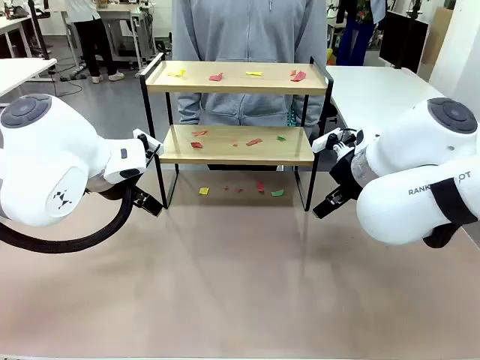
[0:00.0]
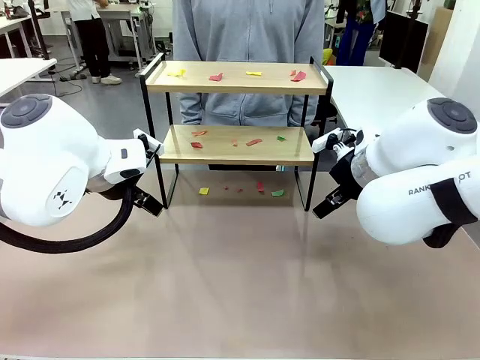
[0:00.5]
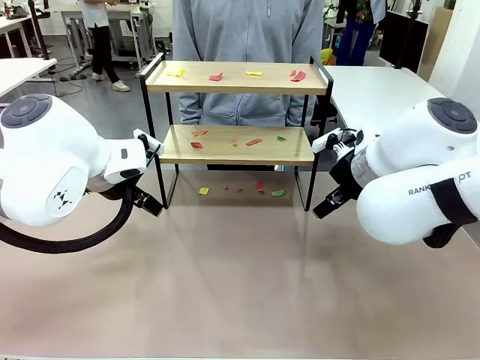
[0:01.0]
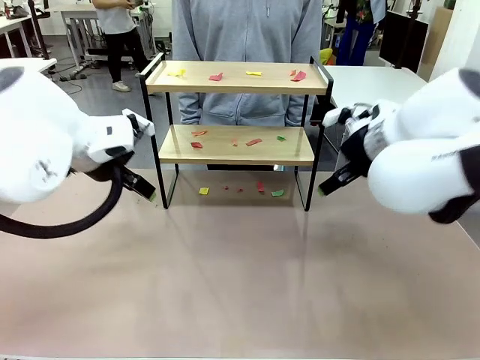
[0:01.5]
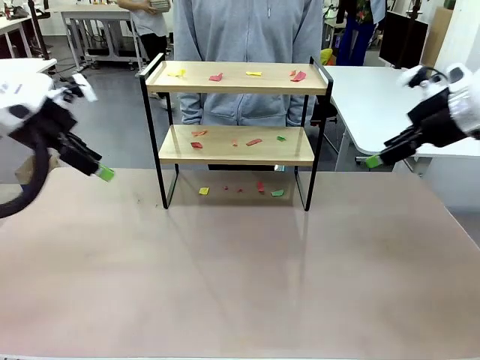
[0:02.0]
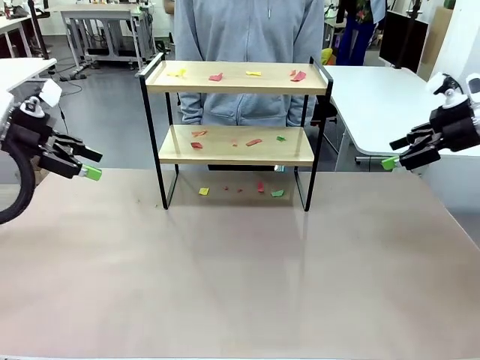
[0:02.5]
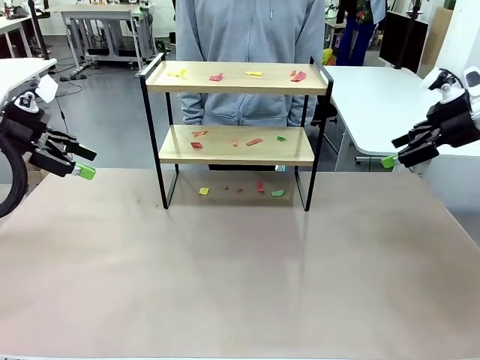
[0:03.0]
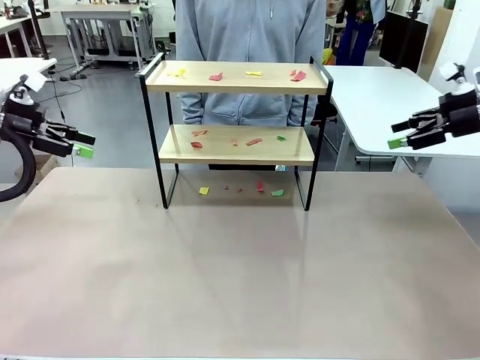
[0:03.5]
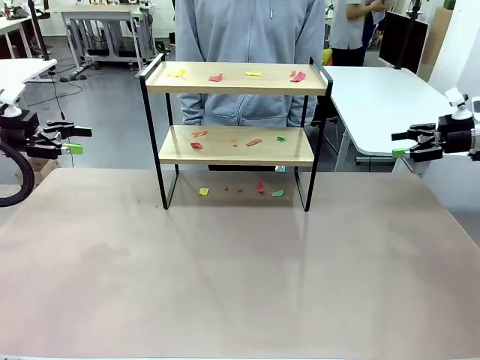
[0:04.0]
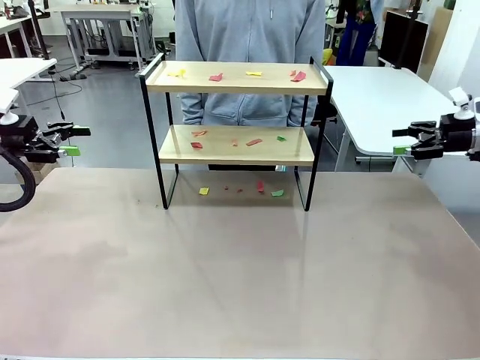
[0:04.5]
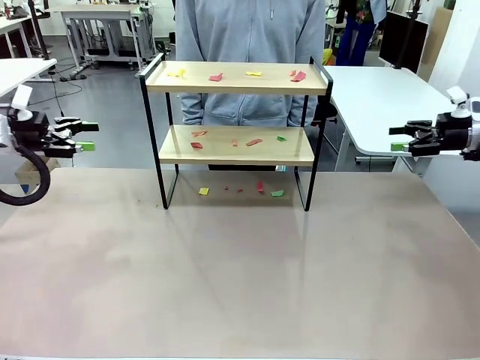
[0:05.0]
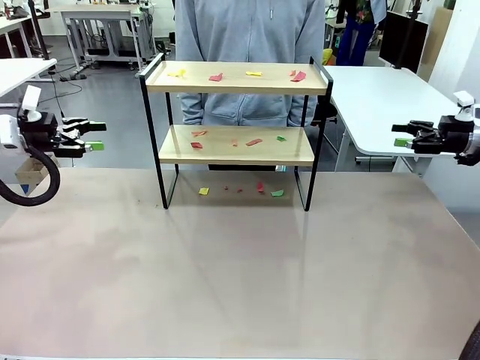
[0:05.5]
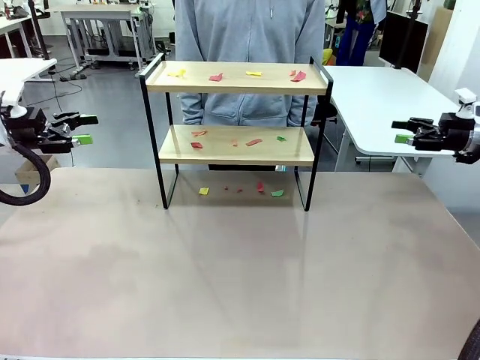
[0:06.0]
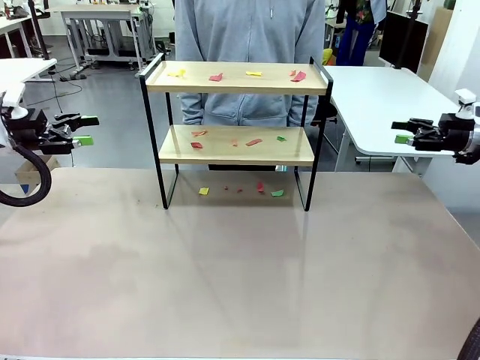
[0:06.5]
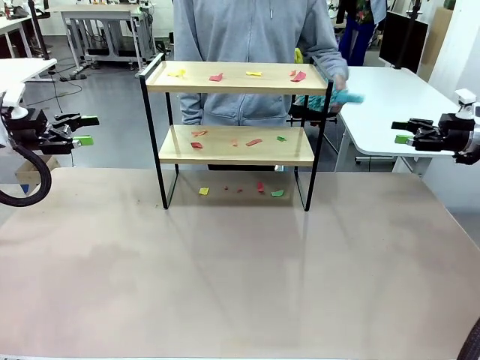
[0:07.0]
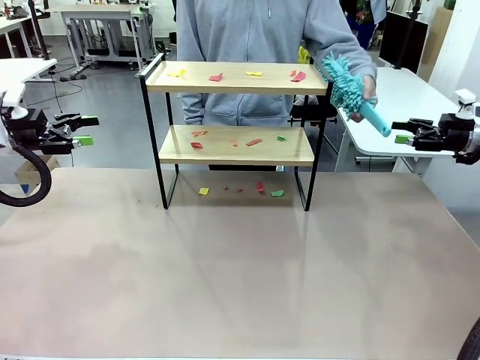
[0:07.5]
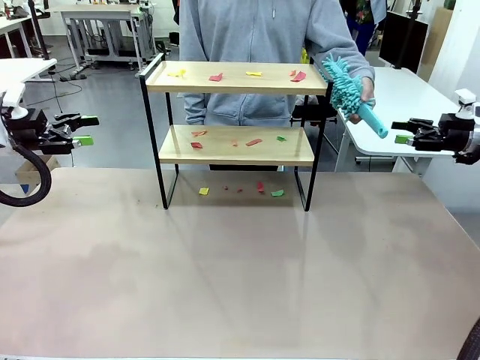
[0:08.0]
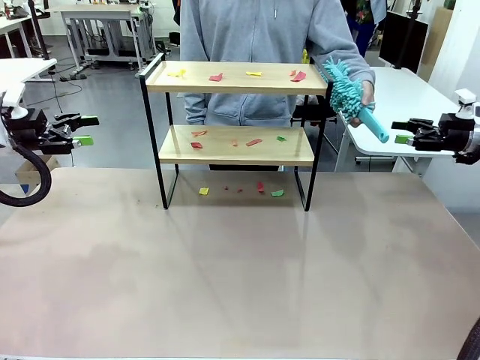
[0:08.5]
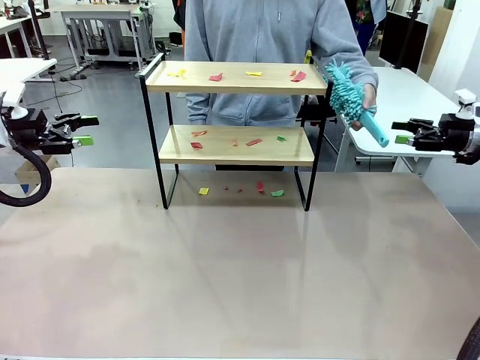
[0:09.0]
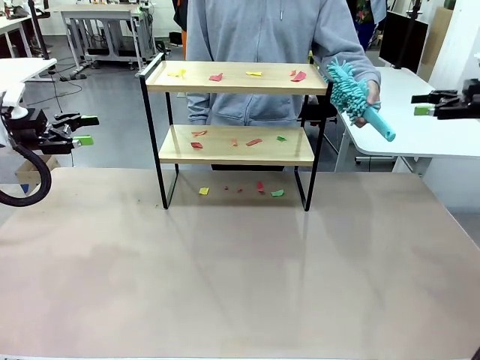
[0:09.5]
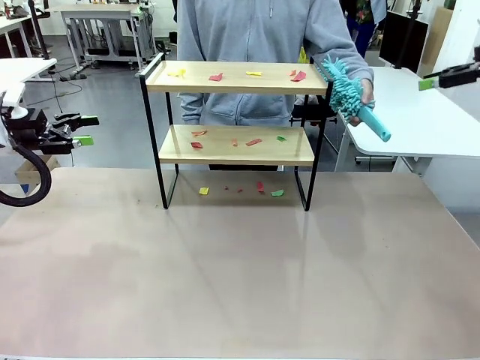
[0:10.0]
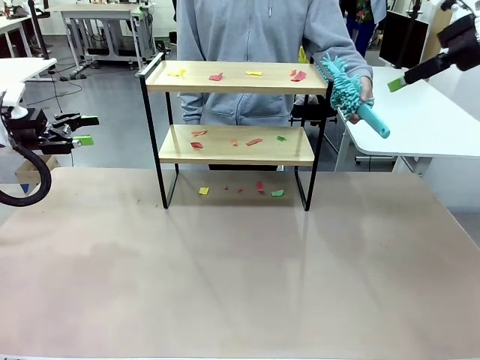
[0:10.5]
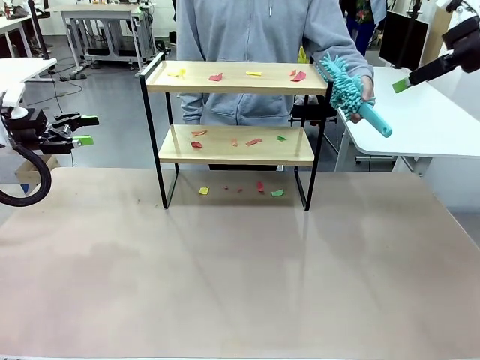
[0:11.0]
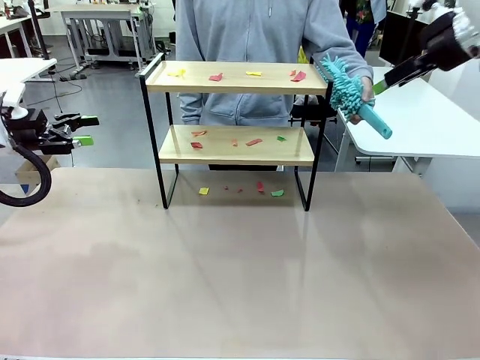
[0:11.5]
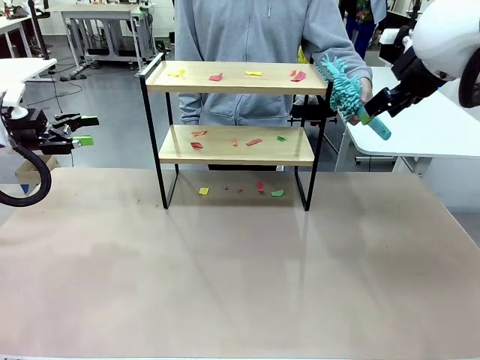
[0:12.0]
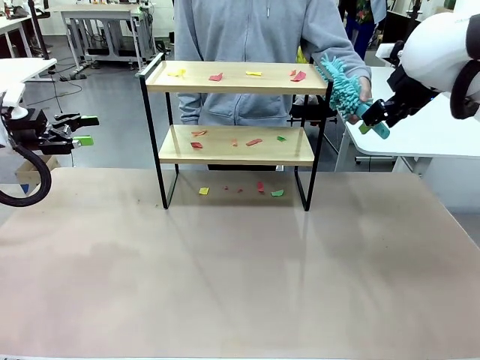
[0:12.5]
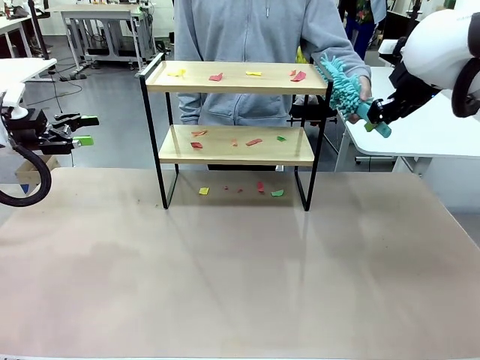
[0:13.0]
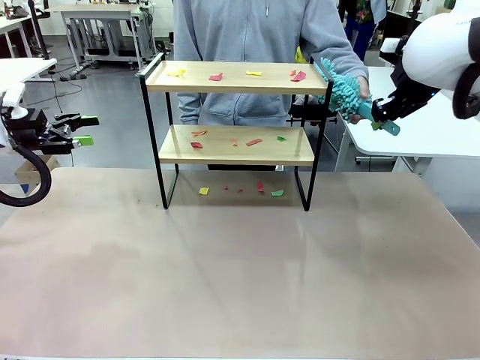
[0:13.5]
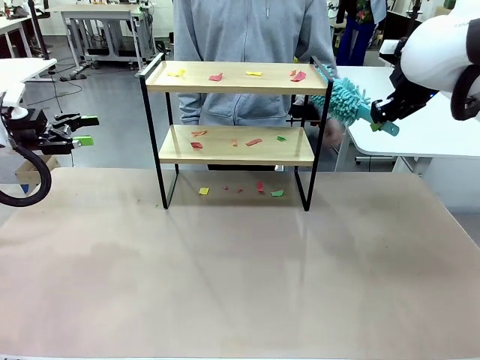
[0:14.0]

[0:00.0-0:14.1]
Task: Clean the shelf.
Robot: Pick up the Duster handed by the human.
Person: Hand the Duster to the robot.

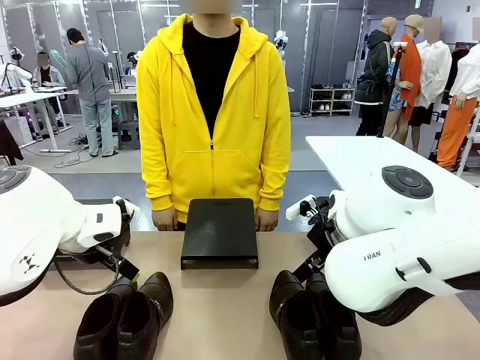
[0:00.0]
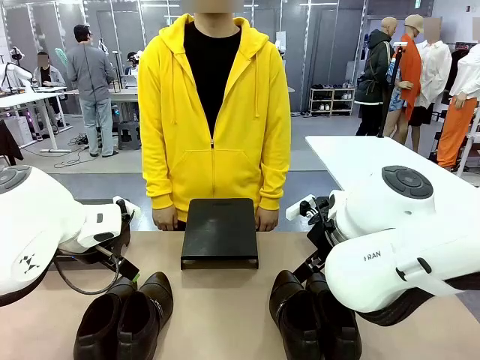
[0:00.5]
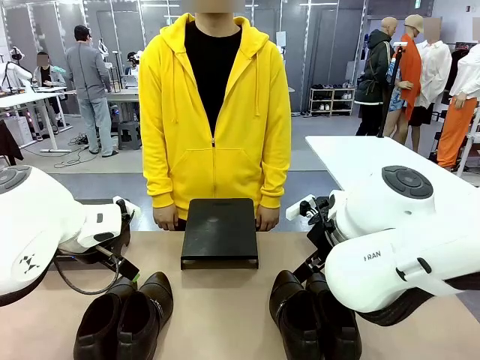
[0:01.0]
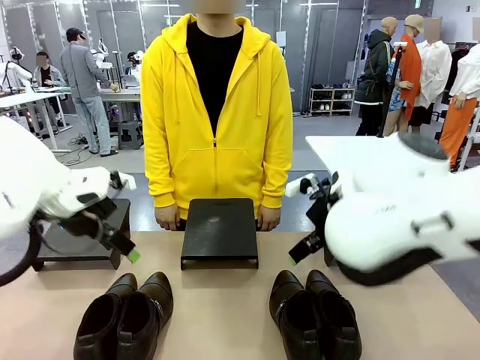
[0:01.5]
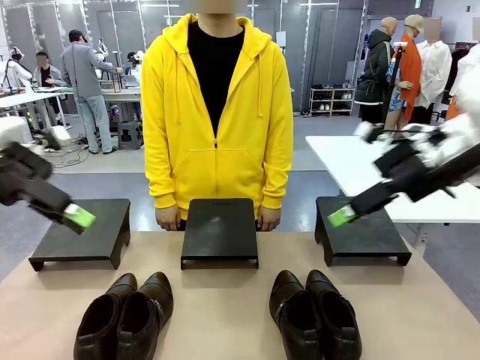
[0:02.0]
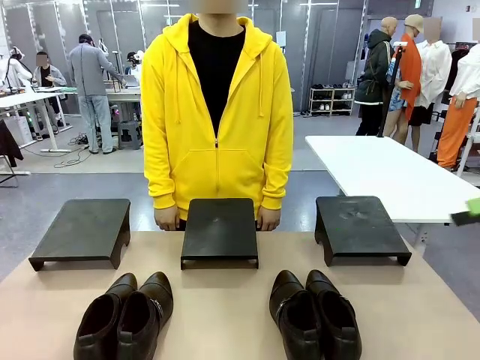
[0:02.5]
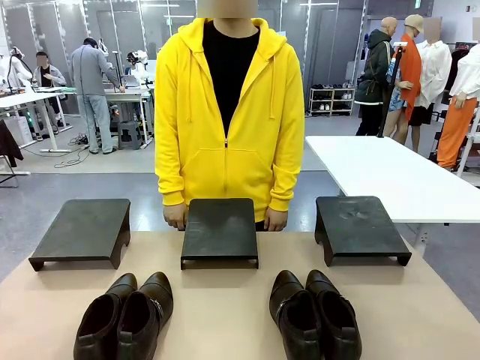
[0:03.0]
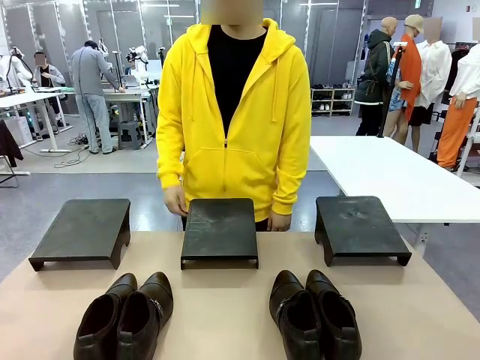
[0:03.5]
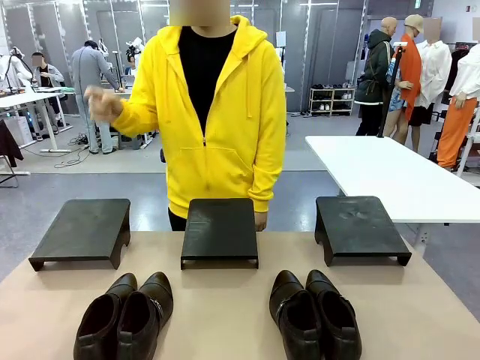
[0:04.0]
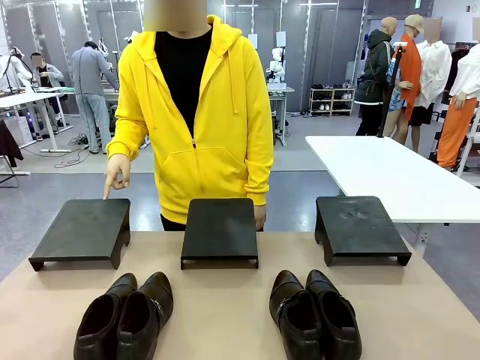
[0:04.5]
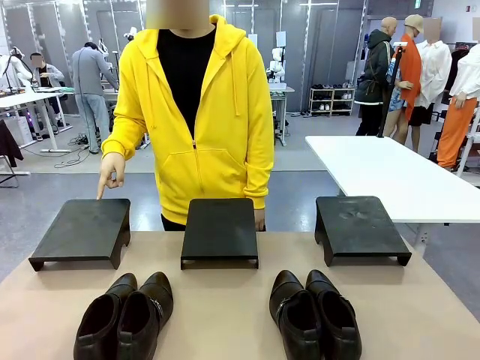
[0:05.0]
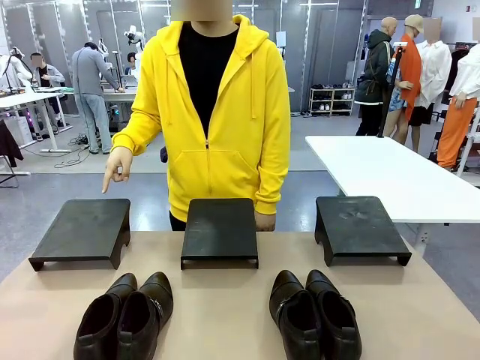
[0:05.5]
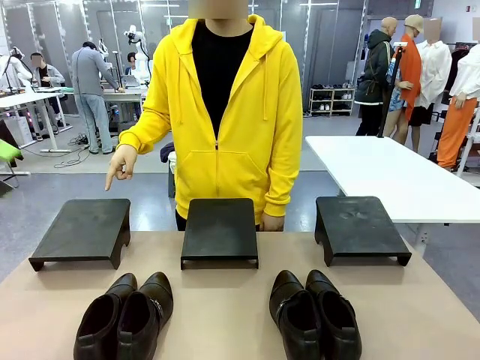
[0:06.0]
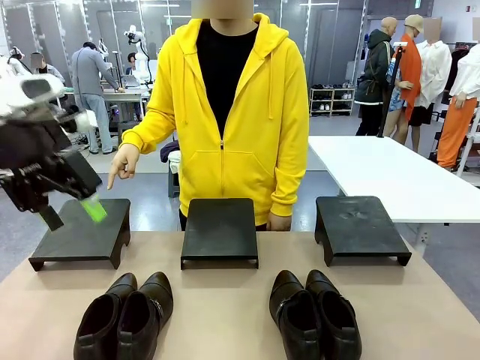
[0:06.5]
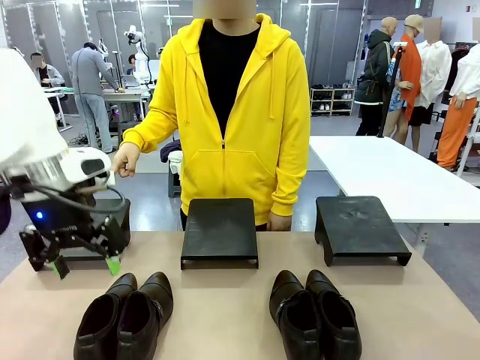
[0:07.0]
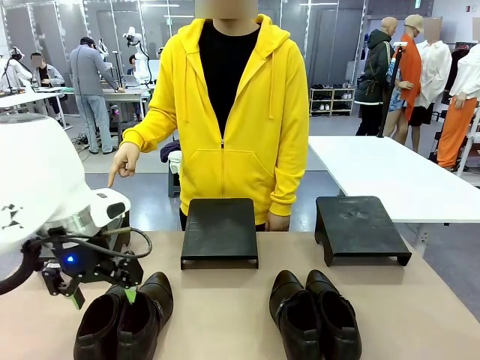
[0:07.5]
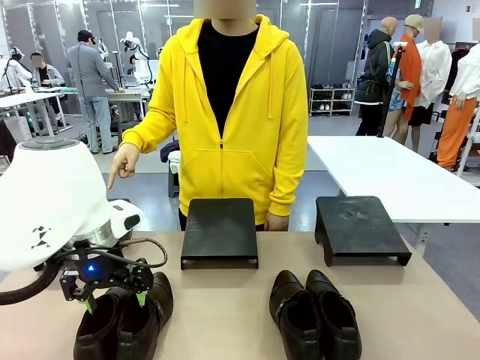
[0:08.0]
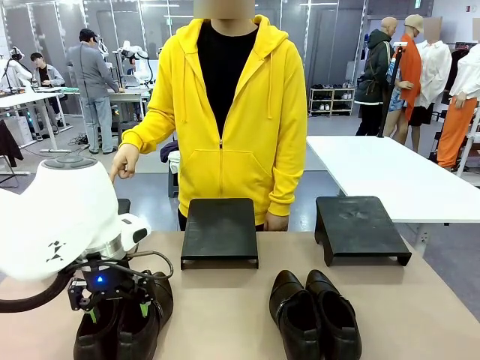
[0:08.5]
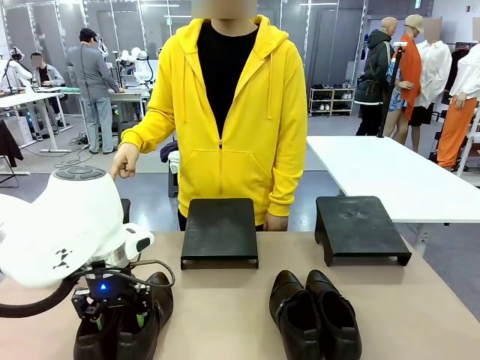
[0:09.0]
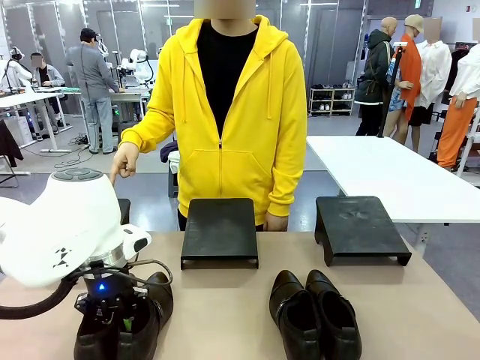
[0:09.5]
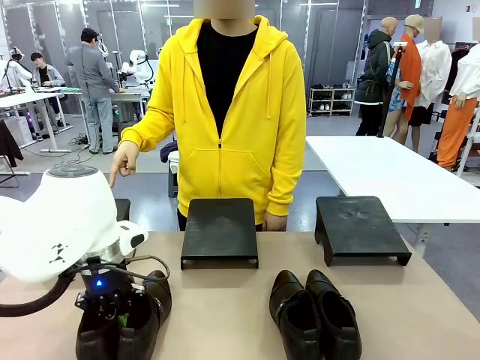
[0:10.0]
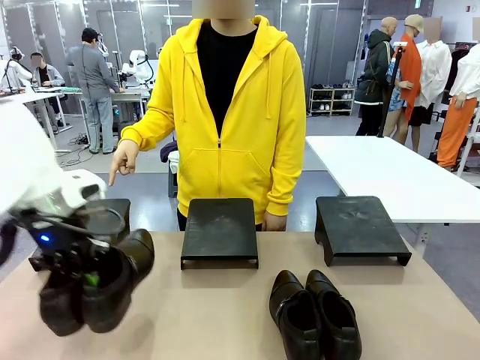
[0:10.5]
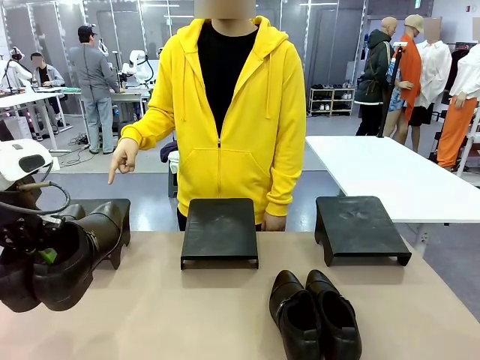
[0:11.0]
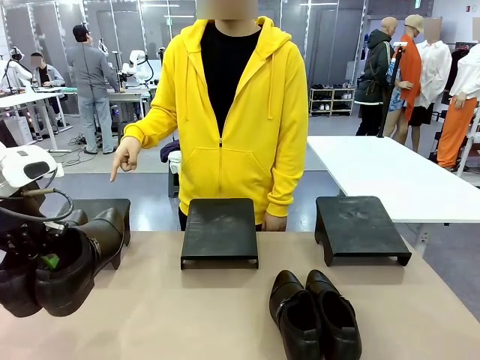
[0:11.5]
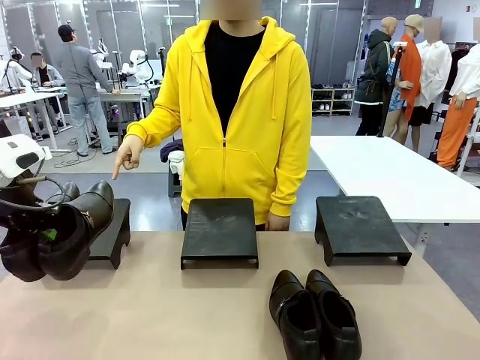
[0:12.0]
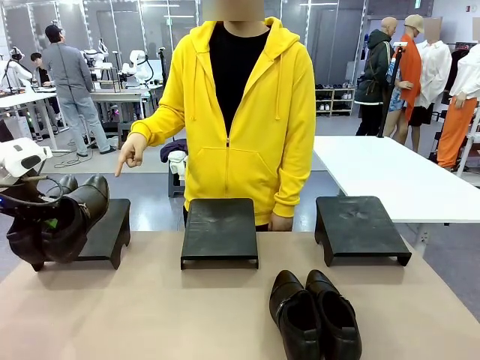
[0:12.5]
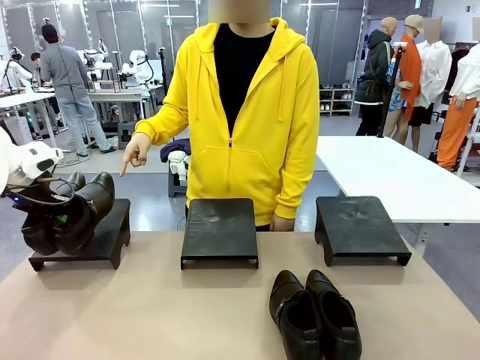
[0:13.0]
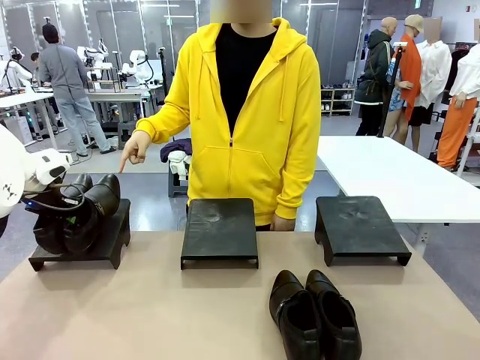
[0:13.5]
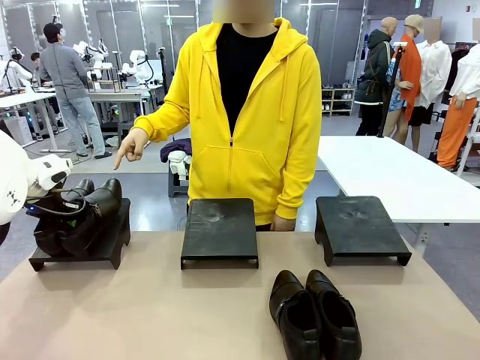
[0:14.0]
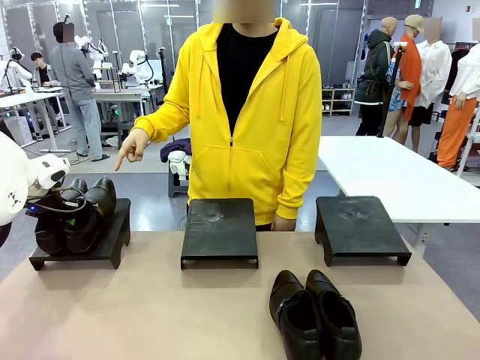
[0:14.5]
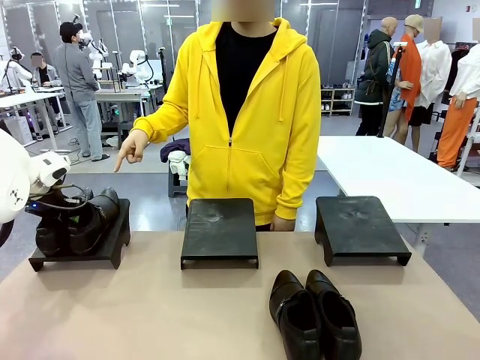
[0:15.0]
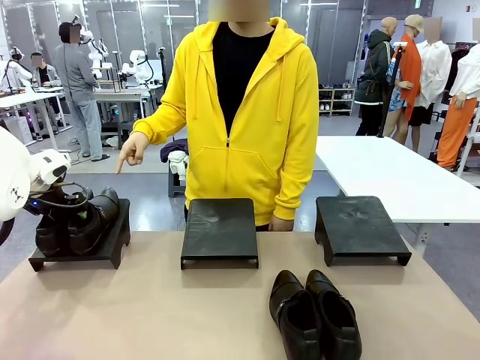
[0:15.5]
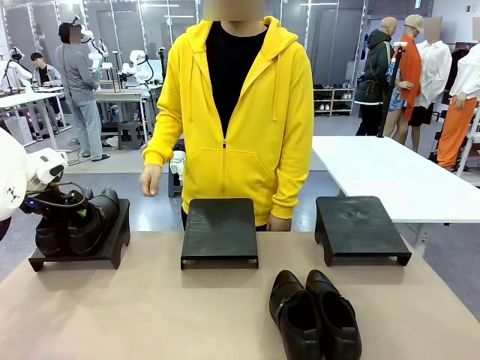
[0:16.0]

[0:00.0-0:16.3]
Task: Place the shoes on the stand as instructed by the person.
Robot: Pick up one pair of Shoes and place it on the Shoes Stand indicated by the person.
